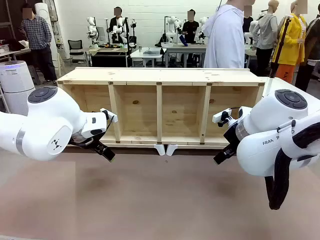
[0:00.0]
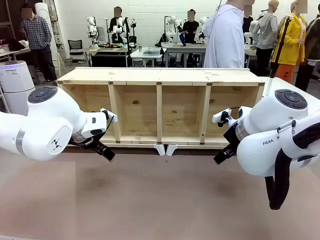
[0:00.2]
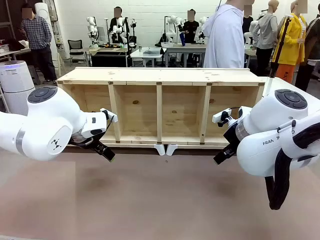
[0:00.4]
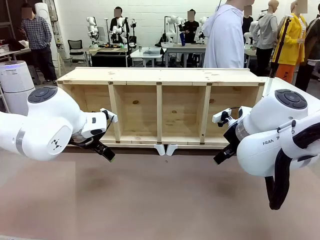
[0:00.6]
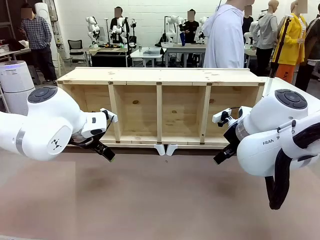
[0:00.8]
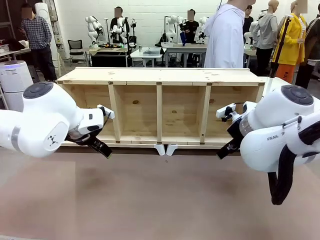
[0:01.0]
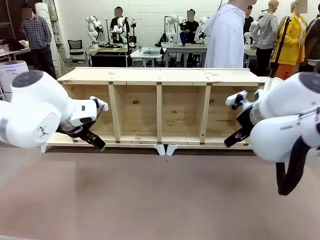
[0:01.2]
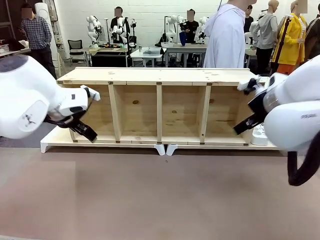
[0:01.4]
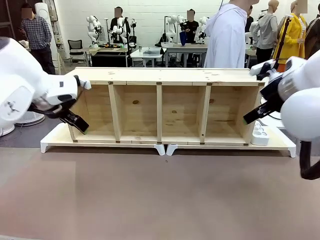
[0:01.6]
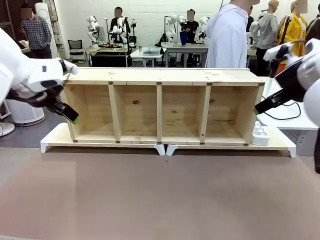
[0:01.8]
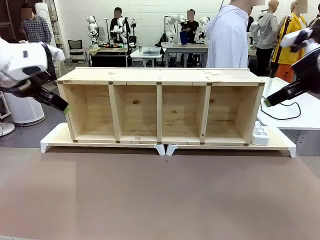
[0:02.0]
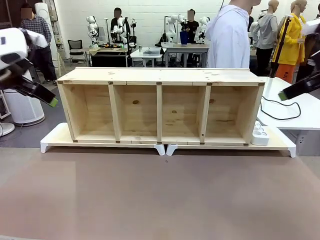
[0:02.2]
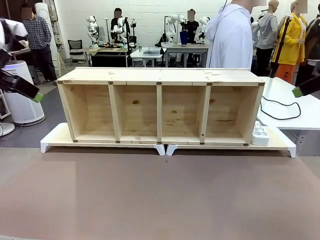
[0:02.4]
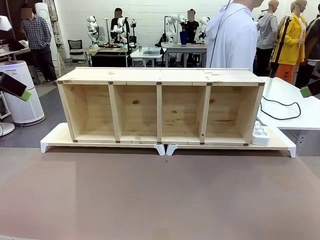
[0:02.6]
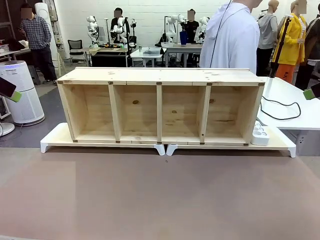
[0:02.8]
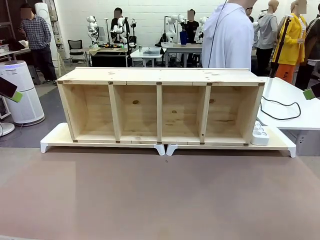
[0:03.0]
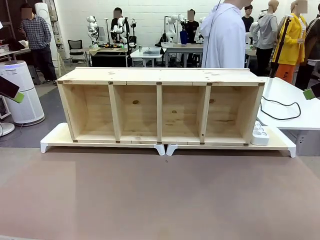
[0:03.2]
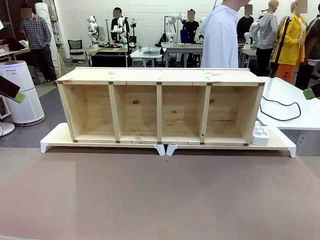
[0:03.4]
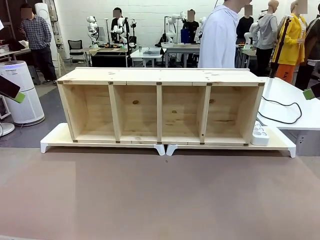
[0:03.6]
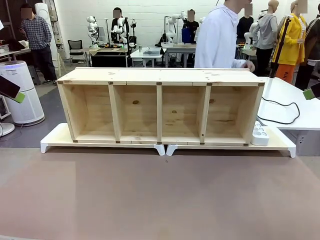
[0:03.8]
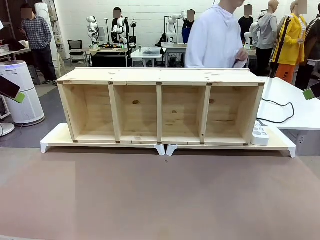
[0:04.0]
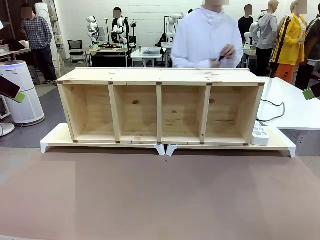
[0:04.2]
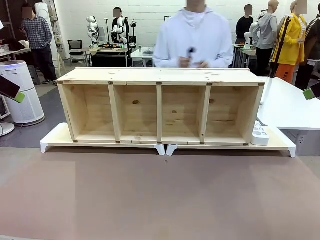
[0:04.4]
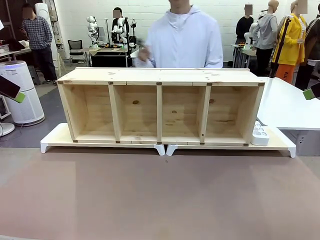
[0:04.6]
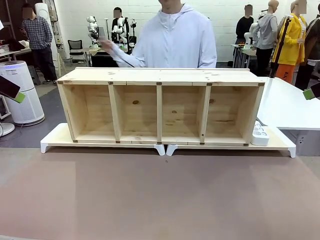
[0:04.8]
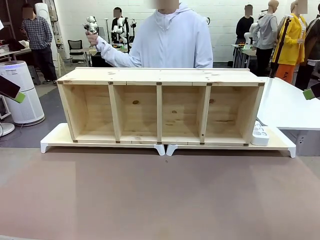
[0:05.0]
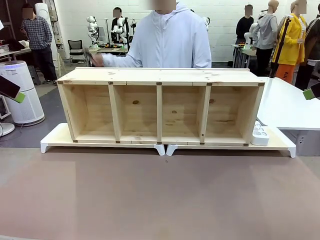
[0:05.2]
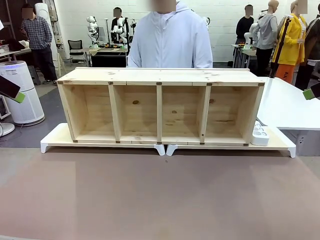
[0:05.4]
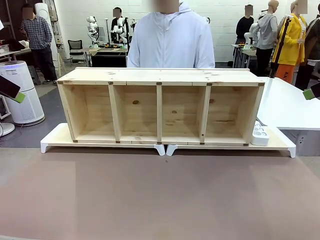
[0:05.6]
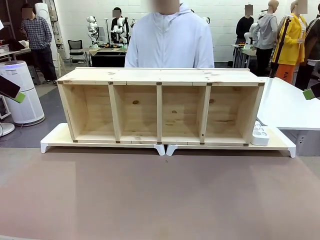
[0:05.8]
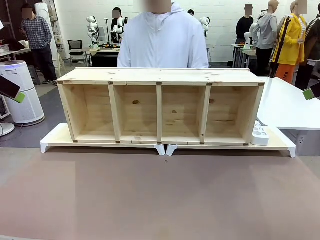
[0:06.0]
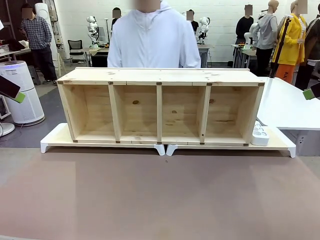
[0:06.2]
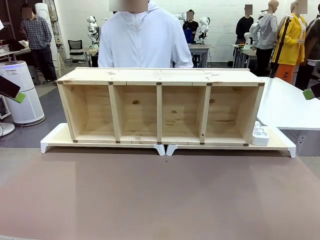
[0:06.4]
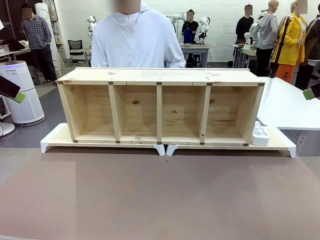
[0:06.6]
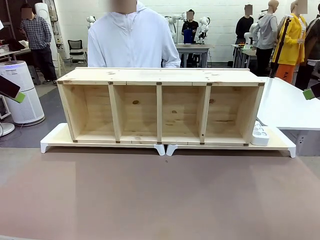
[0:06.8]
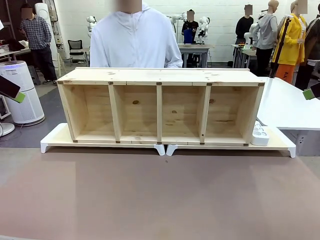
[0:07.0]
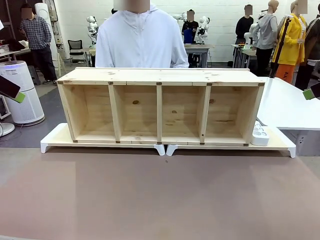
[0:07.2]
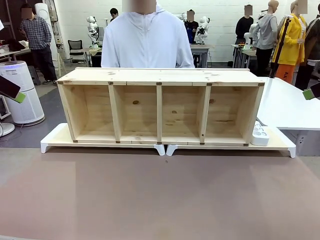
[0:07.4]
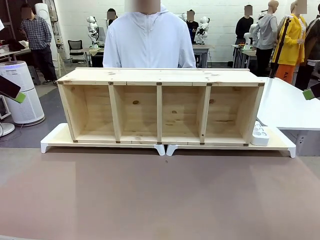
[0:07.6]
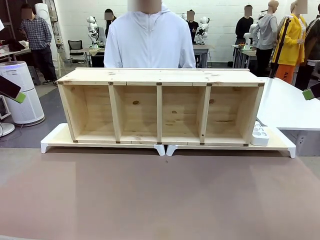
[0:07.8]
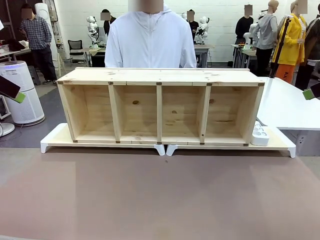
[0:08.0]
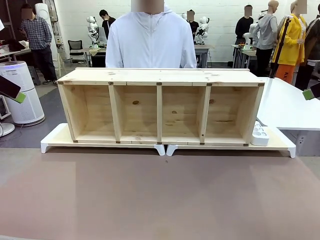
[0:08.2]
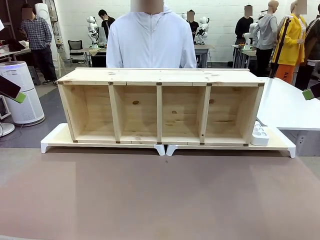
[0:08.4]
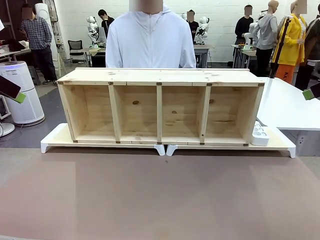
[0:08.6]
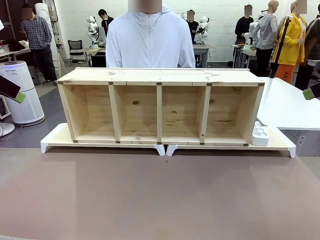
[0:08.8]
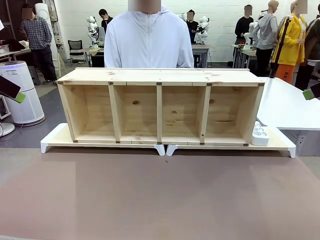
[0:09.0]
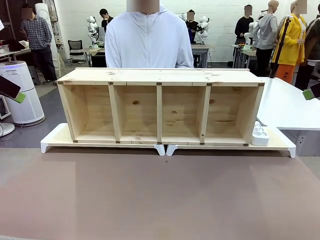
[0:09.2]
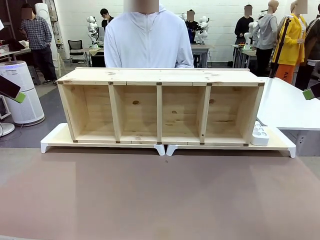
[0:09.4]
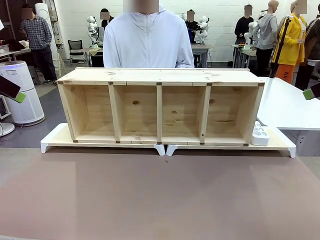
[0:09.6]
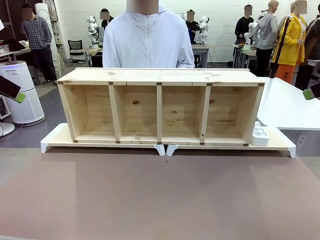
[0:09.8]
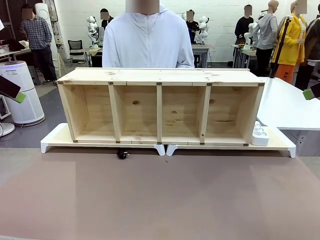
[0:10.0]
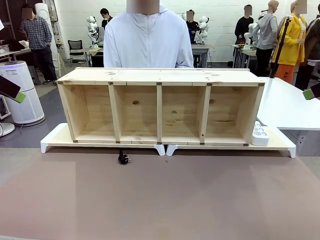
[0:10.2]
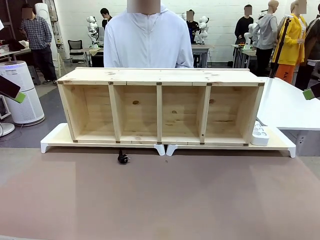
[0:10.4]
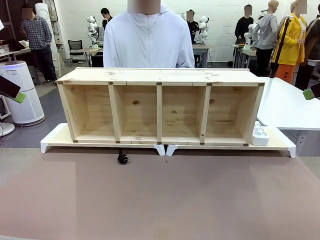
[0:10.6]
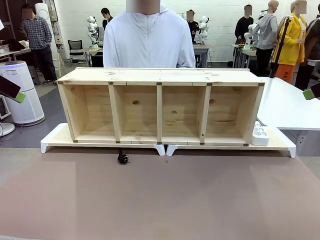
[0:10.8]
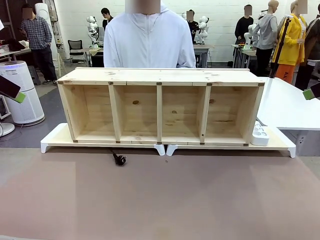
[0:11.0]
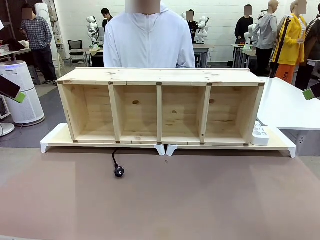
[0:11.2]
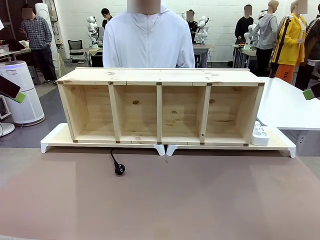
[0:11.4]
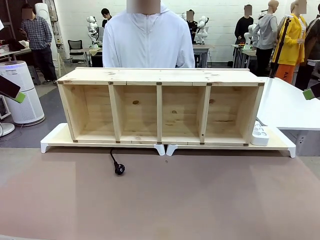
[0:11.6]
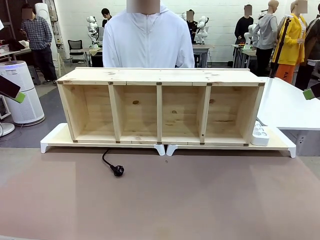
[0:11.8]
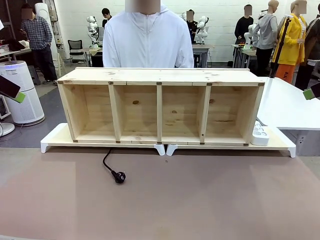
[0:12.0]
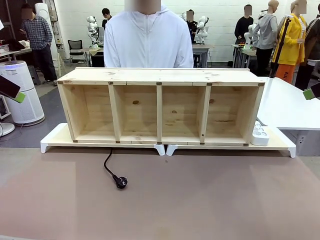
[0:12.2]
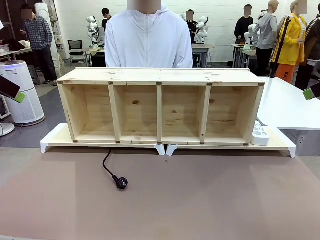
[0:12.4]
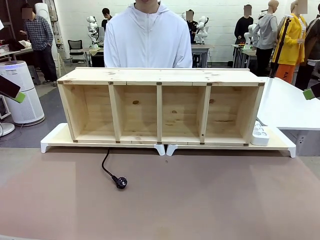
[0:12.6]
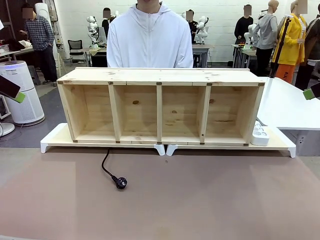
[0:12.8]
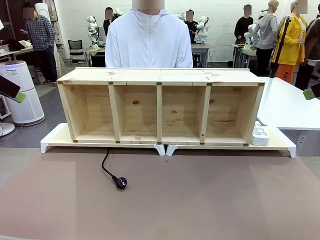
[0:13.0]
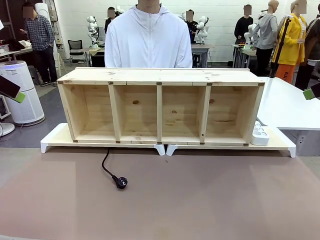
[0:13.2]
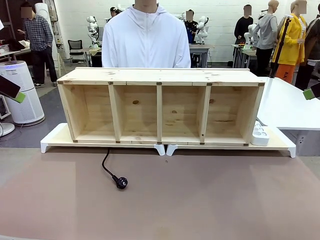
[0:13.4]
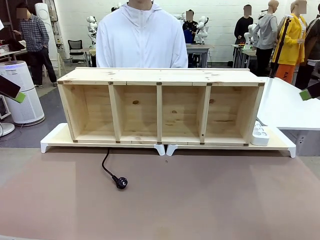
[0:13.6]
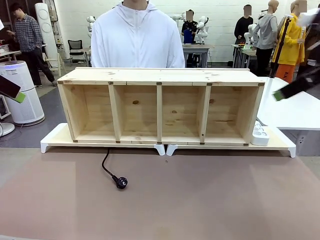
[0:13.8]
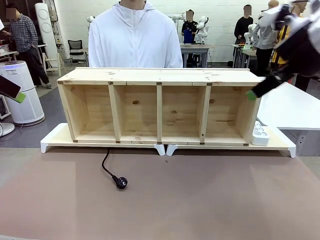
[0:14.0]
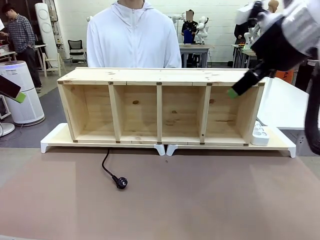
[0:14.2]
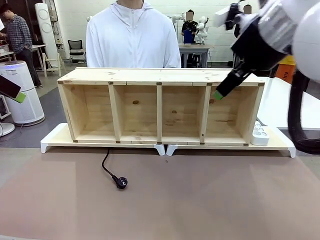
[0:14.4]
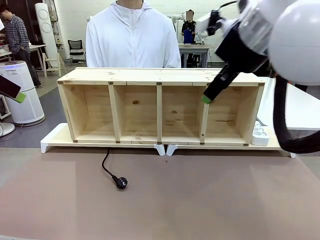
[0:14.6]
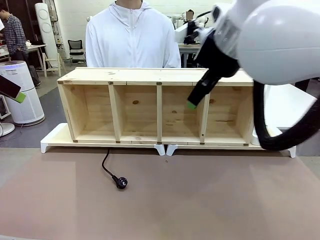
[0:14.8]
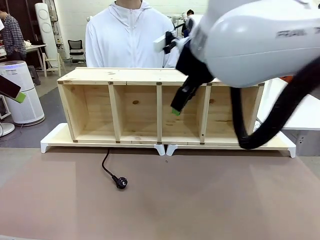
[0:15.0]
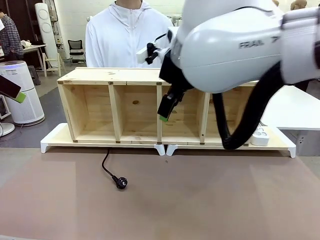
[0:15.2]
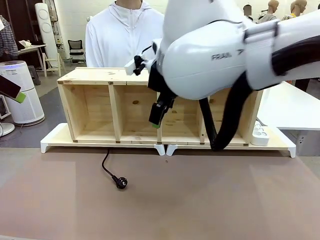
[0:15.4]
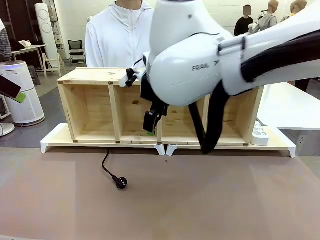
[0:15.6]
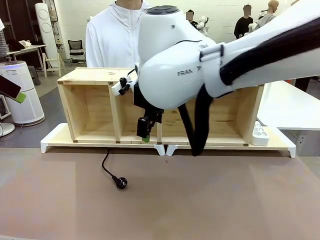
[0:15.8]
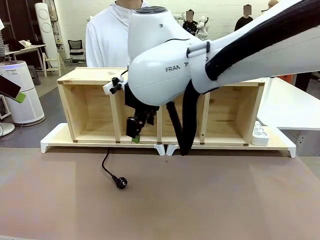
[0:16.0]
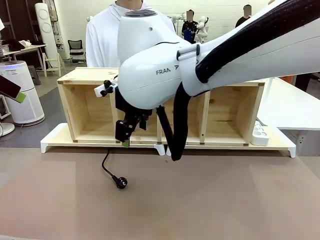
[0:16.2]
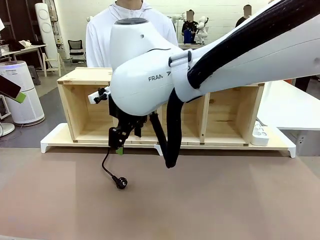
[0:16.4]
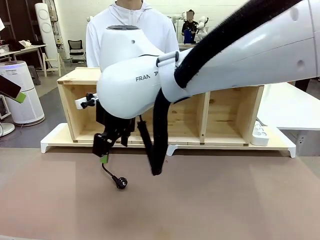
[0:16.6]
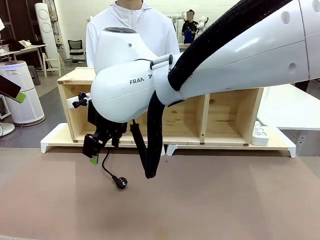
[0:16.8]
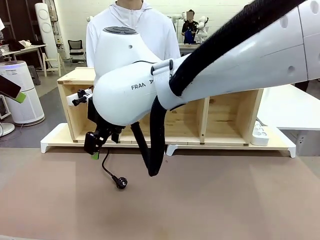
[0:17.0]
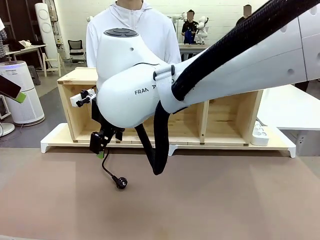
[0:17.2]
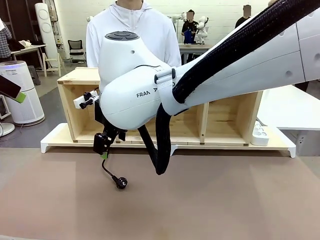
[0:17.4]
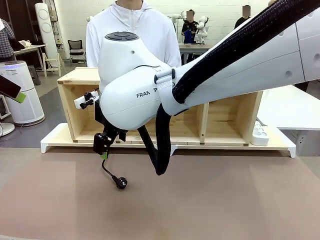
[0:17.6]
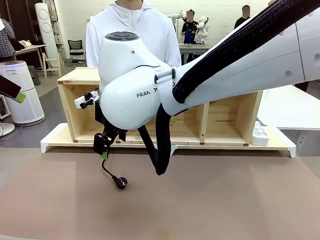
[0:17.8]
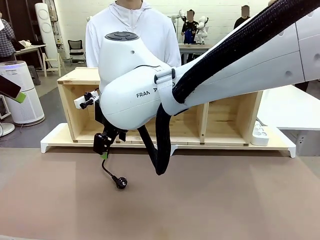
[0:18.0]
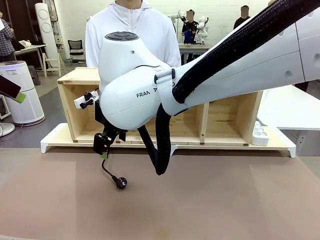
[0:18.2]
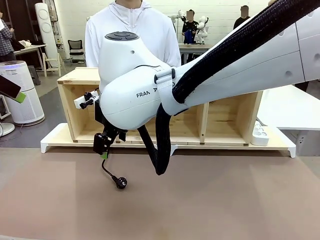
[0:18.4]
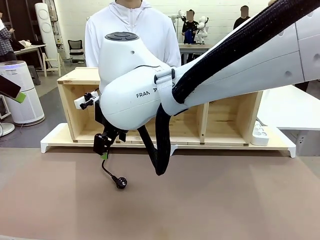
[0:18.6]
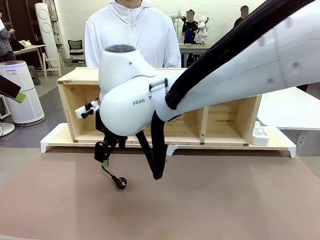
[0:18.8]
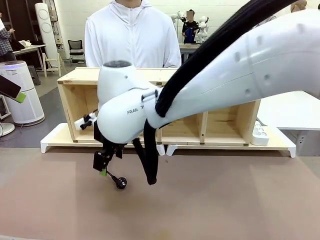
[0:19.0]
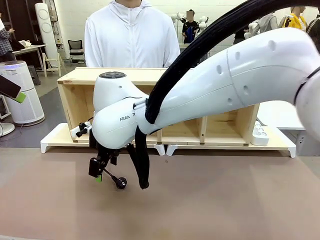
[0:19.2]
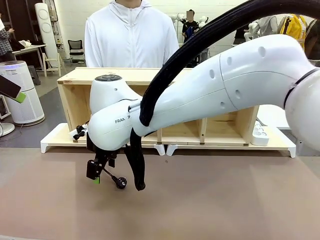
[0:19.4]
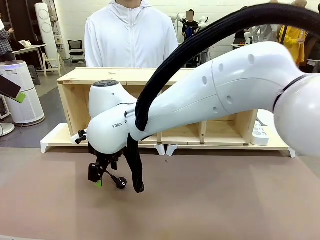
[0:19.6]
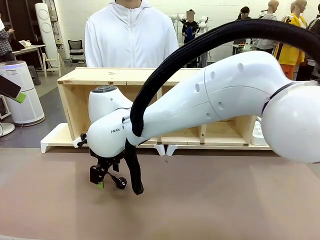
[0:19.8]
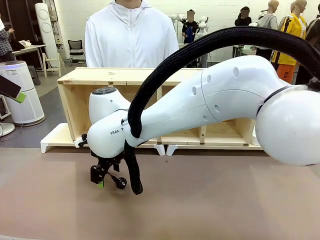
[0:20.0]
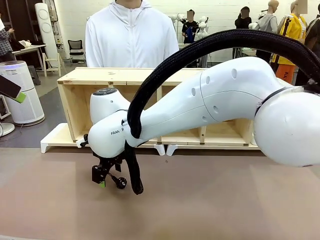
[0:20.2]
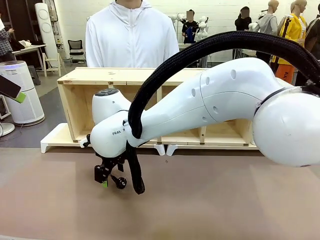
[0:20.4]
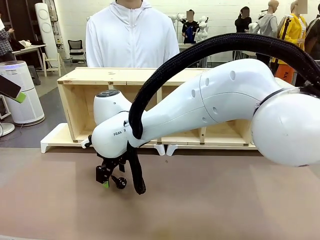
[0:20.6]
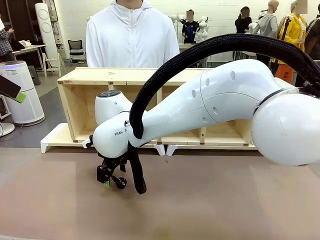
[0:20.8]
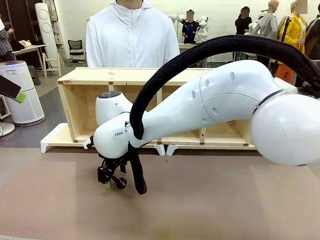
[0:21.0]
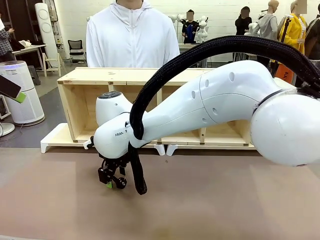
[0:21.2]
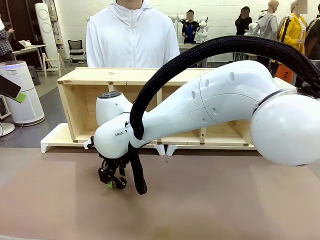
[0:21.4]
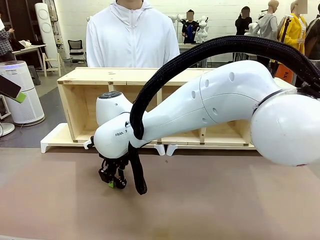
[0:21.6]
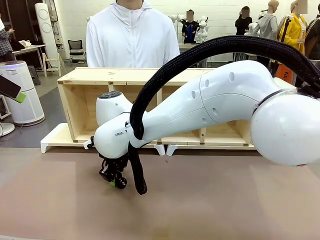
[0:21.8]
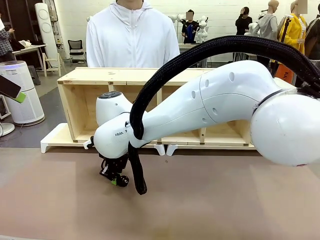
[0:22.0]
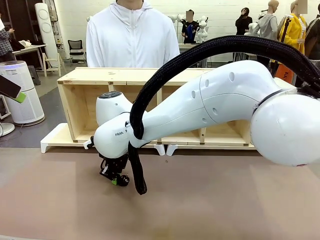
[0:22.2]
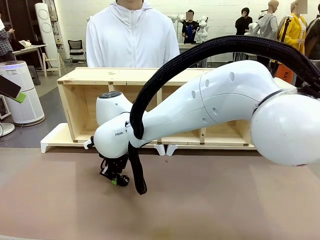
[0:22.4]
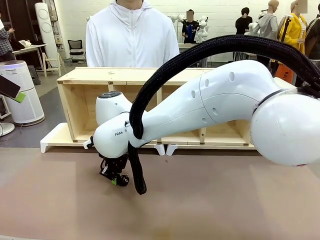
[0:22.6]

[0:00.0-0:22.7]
Task: Perform cable management.
Robot: When the cord part of the Power Cable appears at the lower middle area of the table and stops, grasp the cord part of the Power Cable.
Person: Pass the Power Cable under the Serving Table.
